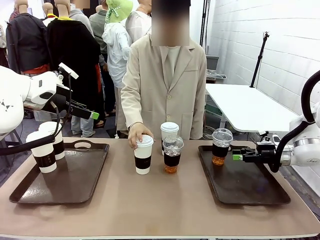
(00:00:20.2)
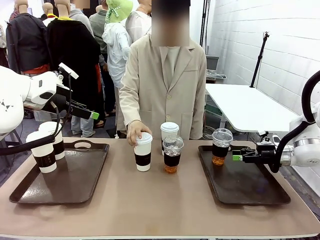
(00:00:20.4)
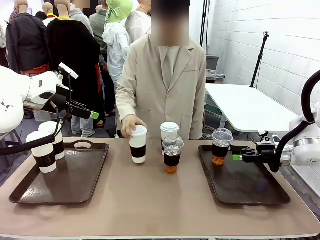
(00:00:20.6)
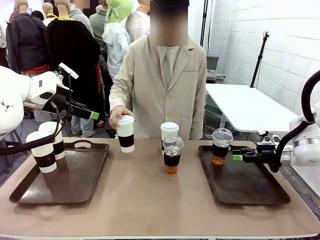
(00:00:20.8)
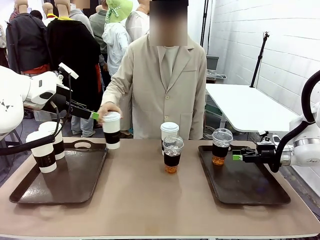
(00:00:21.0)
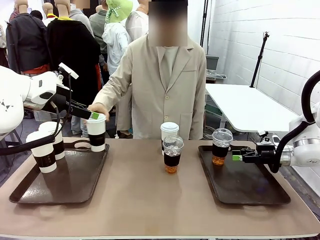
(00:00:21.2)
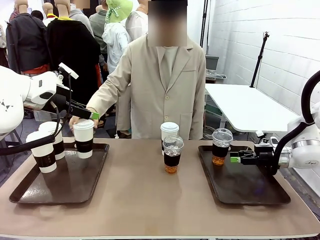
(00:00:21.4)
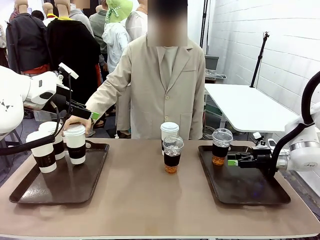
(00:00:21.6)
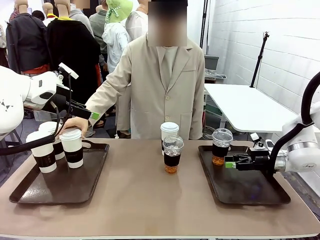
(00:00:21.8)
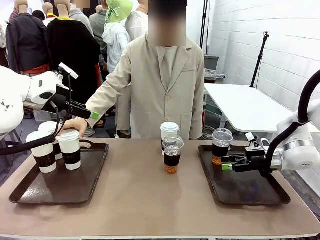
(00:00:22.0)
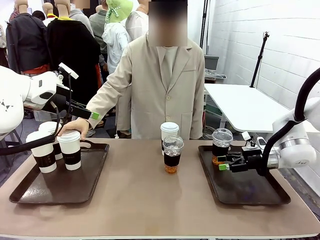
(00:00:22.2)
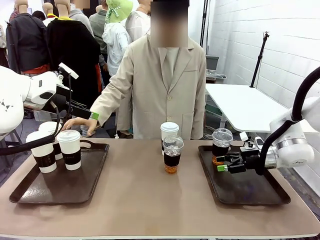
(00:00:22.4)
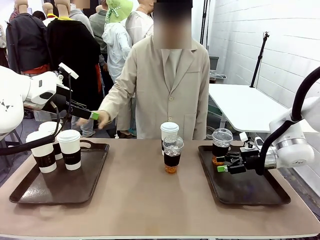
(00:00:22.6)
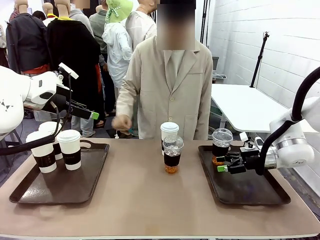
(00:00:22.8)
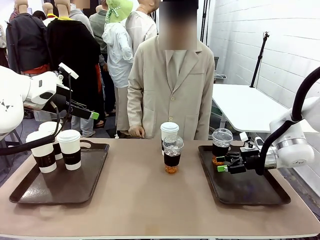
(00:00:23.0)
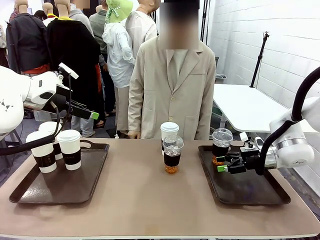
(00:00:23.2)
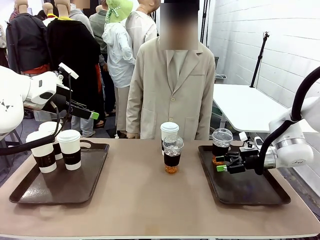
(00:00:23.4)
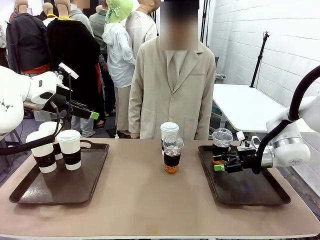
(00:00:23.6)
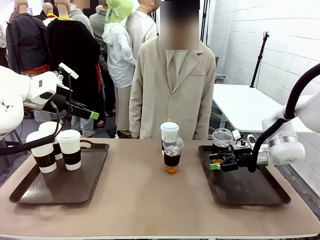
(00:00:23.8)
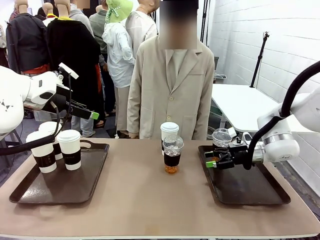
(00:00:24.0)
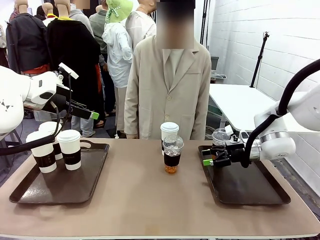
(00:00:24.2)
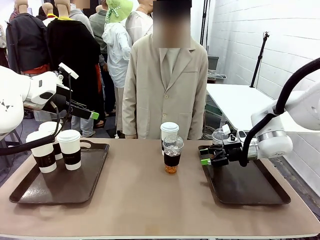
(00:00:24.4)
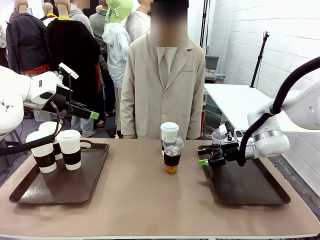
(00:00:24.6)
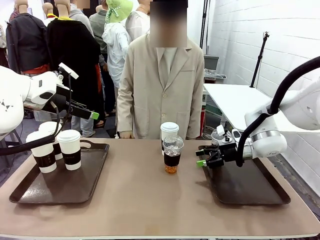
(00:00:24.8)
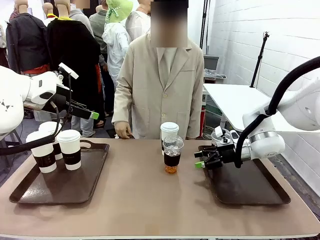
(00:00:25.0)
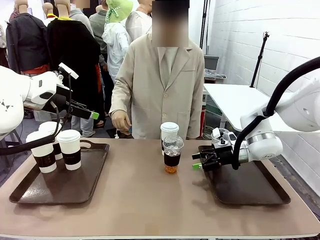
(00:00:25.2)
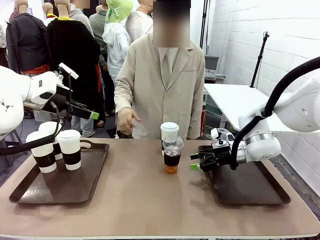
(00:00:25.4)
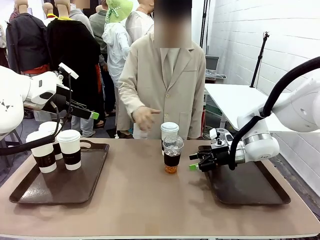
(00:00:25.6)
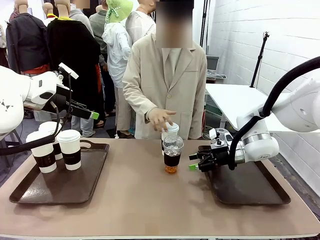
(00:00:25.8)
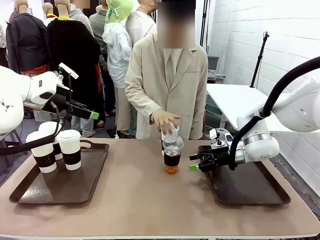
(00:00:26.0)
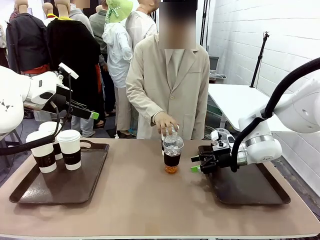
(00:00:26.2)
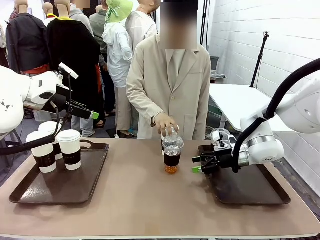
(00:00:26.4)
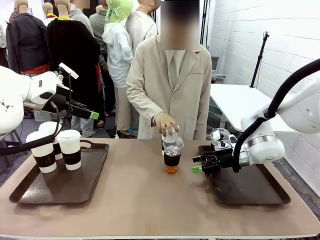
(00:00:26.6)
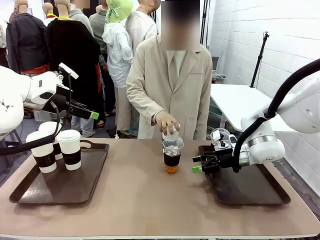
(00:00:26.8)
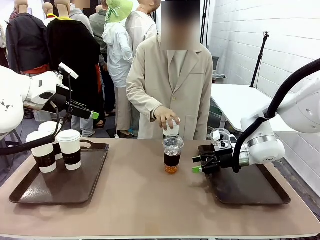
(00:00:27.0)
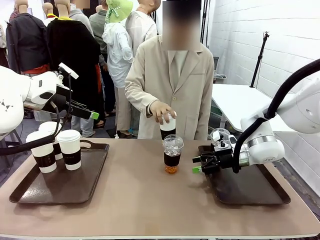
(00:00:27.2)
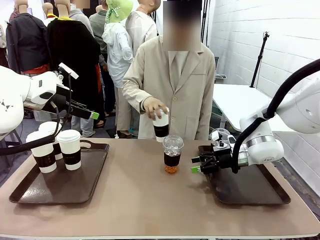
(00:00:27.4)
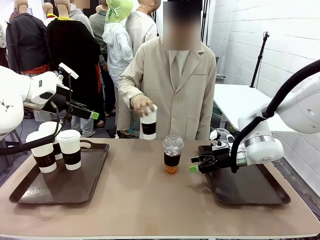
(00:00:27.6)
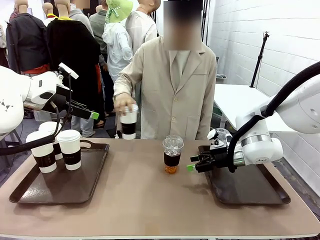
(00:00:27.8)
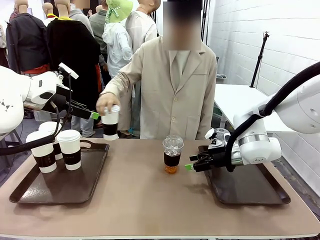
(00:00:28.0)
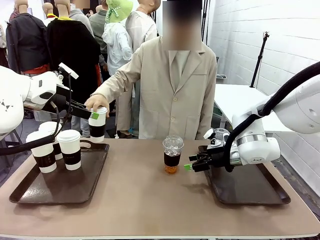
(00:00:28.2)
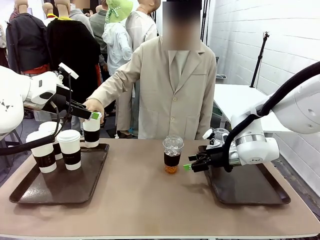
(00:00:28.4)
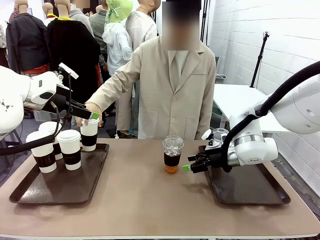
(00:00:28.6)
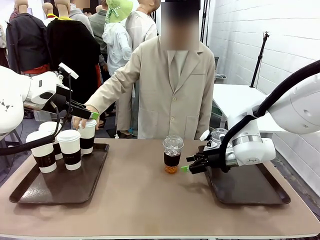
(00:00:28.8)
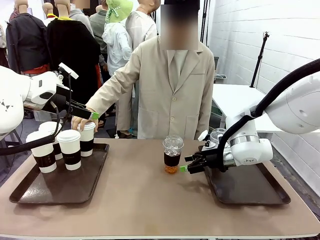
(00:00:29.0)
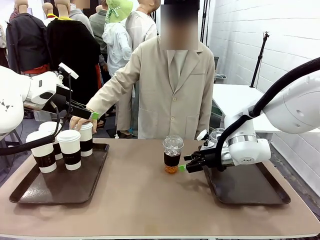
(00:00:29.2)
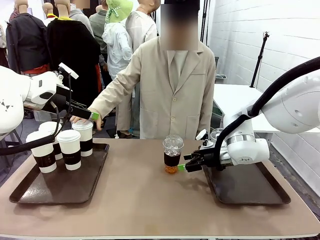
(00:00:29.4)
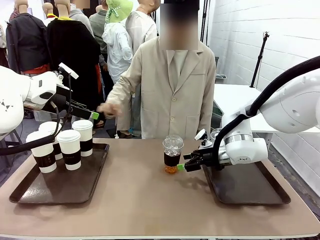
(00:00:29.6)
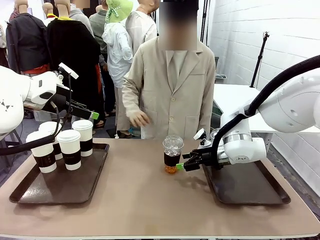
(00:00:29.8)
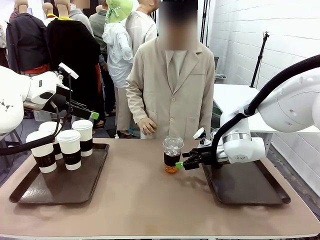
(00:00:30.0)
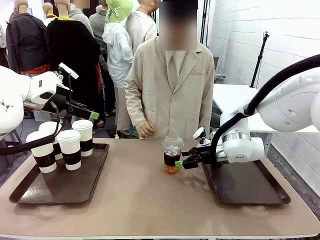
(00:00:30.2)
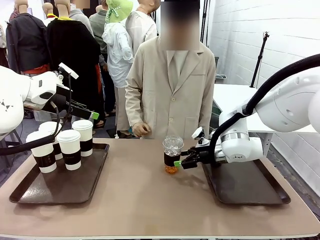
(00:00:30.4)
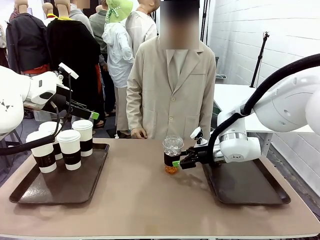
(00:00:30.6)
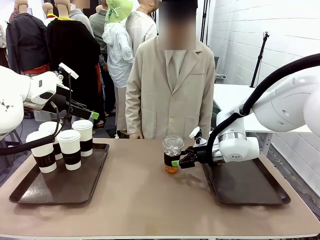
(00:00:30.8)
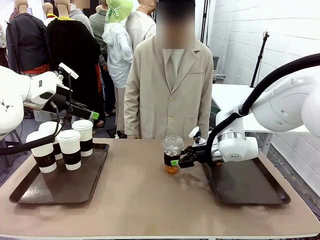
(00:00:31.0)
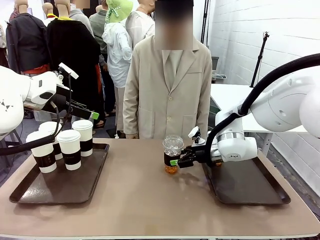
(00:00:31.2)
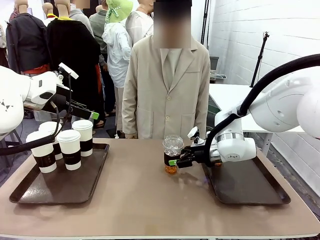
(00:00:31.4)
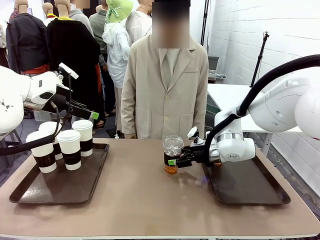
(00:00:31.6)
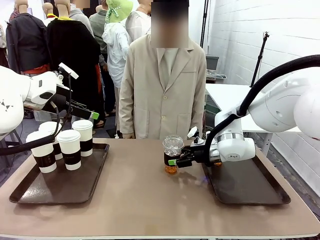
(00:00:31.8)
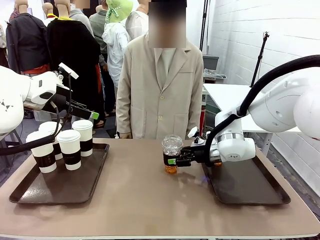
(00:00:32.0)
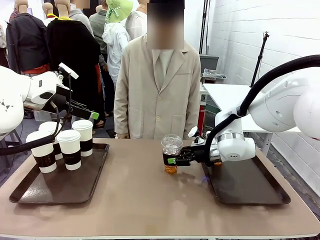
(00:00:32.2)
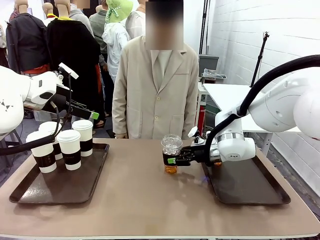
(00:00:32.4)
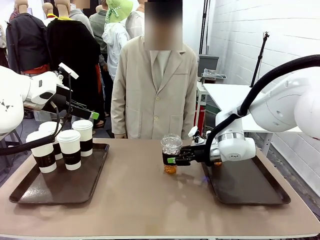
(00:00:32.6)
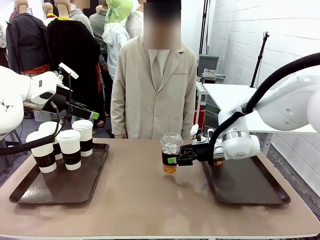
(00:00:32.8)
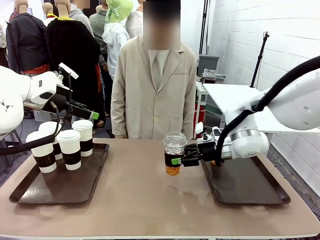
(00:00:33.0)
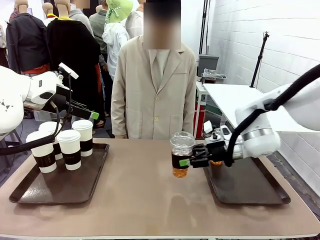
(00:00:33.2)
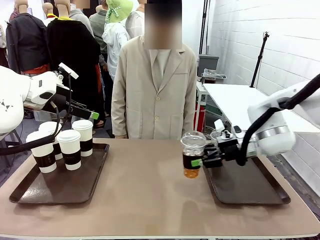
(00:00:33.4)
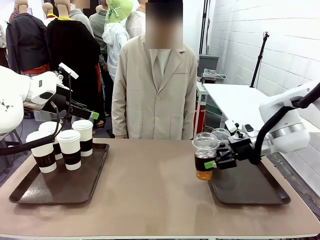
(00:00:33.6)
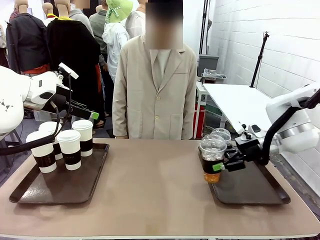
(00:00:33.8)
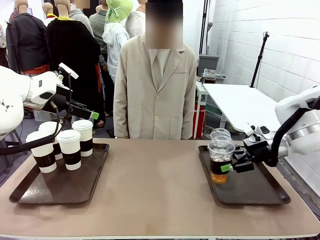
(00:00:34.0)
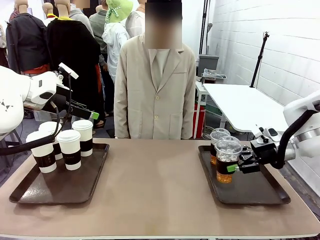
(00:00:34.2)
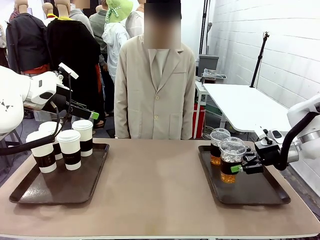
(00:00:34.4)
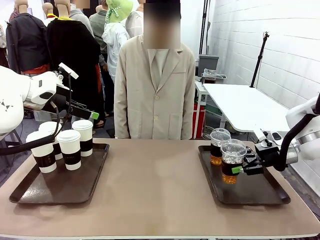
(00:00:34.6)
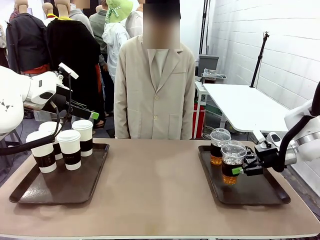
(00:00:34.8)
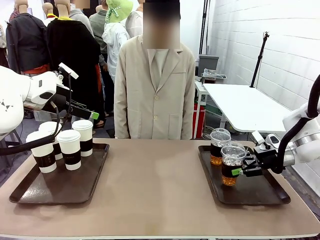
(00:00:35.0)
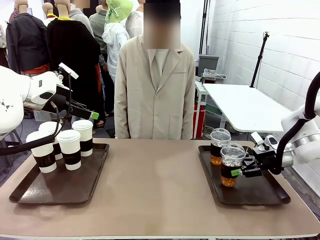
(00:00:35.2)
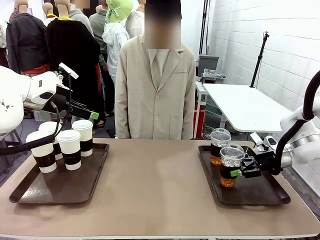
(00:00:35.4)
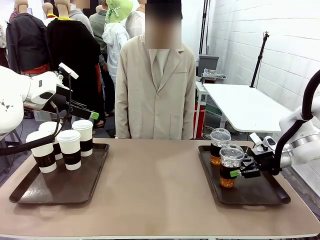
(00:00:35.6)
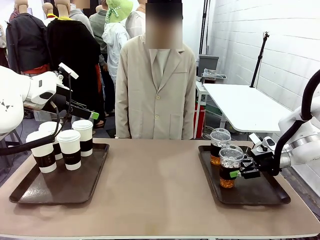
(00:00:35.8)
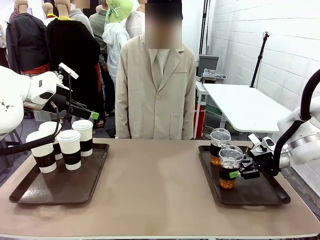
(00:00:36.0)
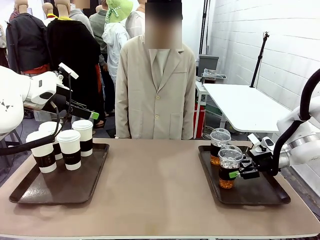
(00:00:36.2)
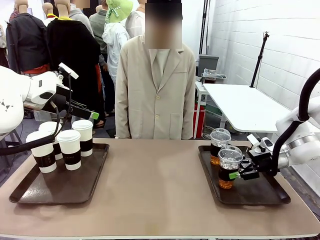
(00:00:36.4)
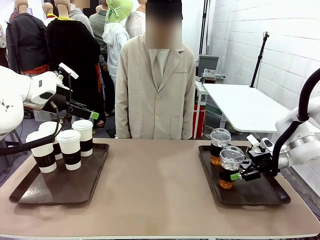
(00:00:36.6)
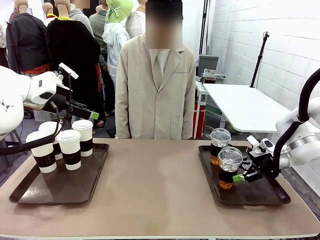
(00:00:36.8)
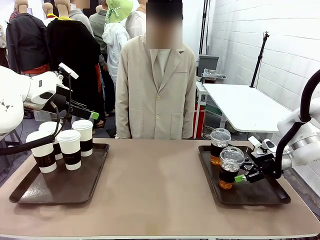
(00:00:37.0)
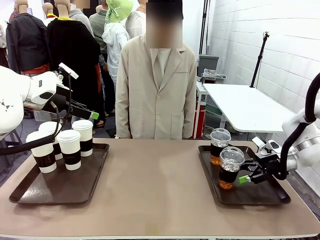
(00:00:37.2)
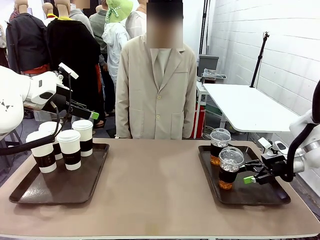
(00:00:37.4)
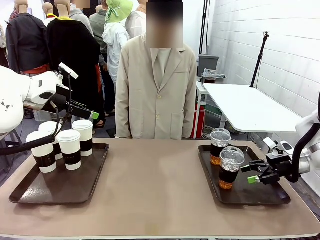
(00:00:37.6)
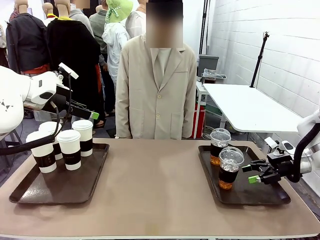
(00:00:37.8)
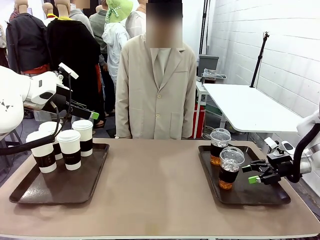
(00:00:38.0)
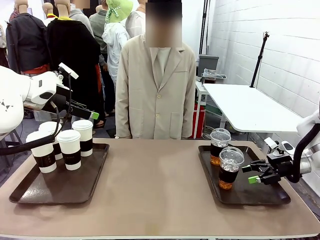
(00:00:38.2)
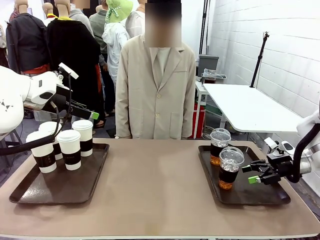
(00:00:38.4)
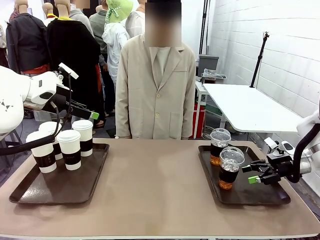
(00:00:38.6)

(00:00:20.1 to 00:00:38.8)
Task: Distribute the coffee onto the tray.
Robot: Pick up another iced Americano from the middle of the table and place it on the right Handle tray.
Person: Pick up a cup of hot Americano from the middle of the table and place it on the right tray.
